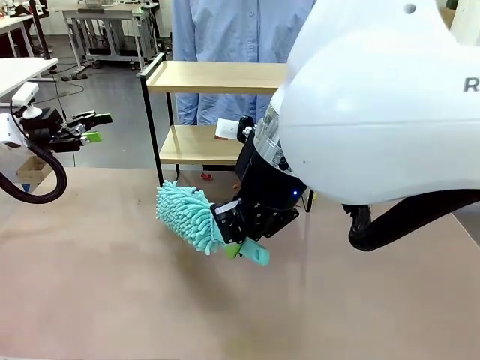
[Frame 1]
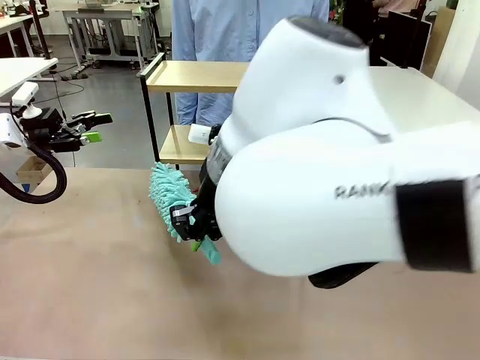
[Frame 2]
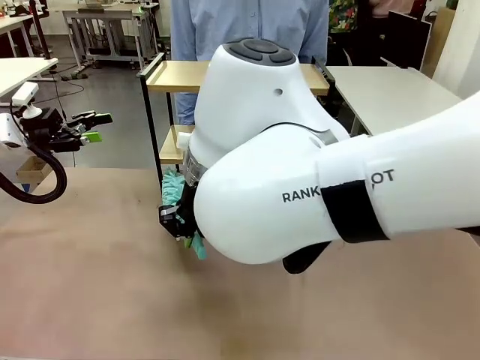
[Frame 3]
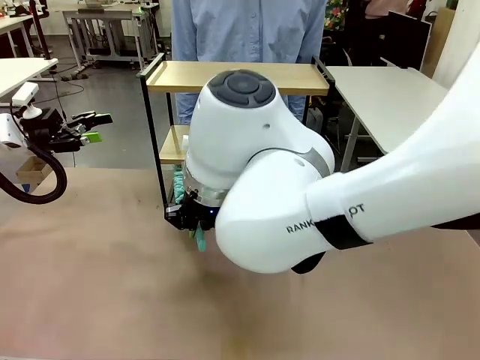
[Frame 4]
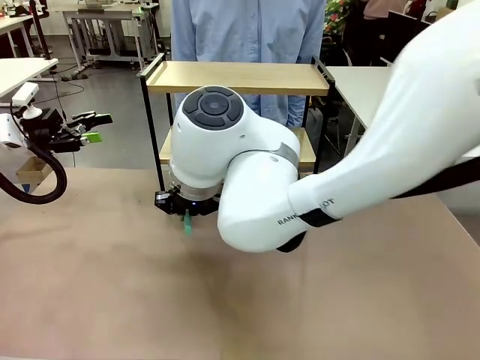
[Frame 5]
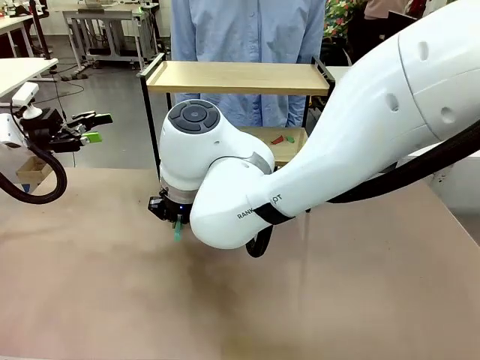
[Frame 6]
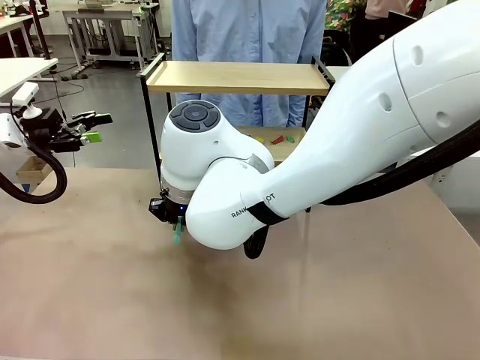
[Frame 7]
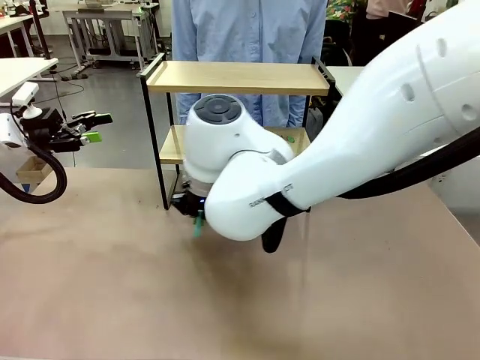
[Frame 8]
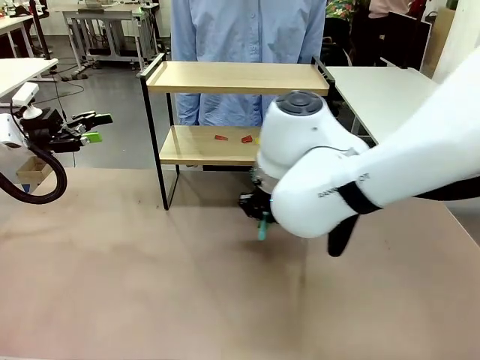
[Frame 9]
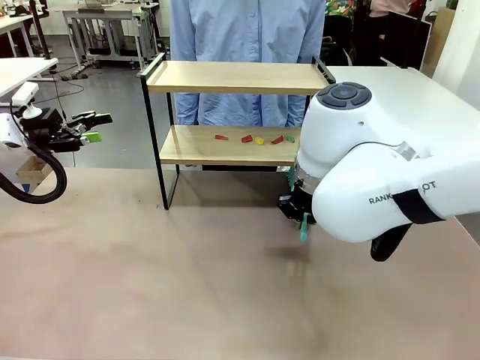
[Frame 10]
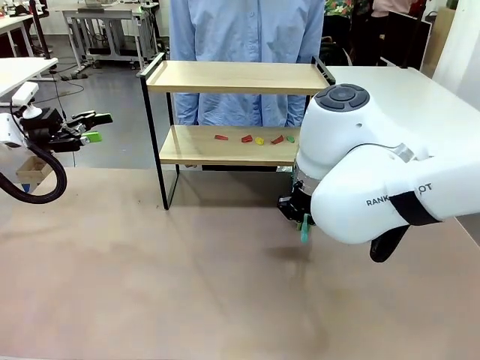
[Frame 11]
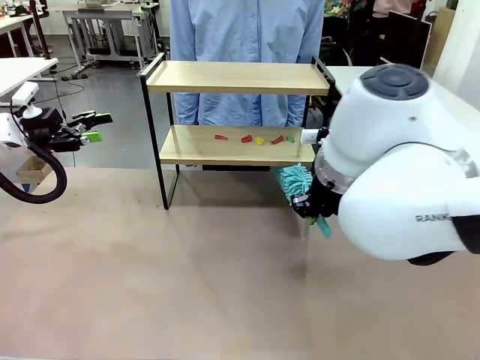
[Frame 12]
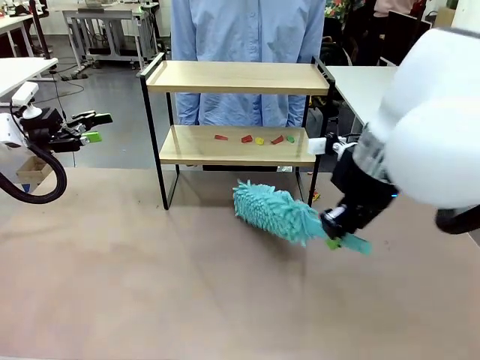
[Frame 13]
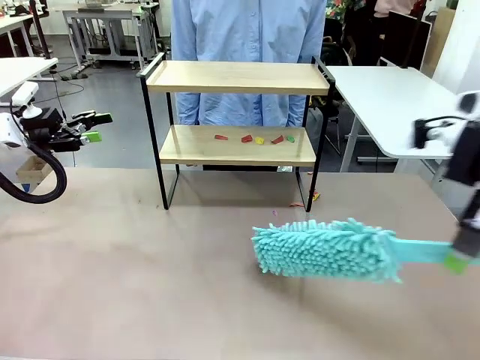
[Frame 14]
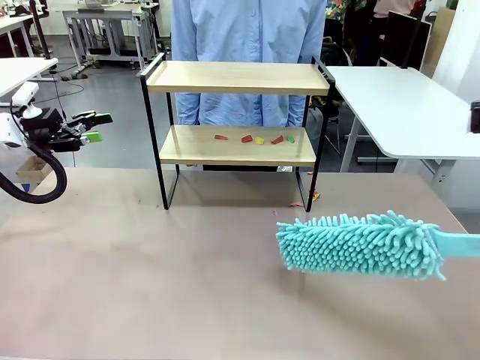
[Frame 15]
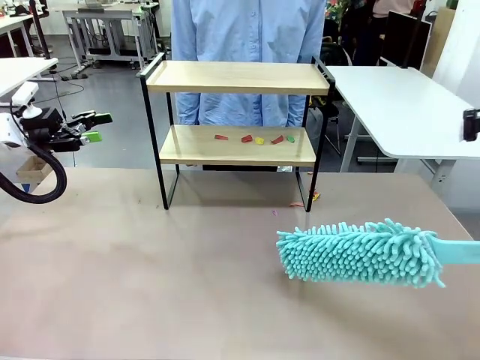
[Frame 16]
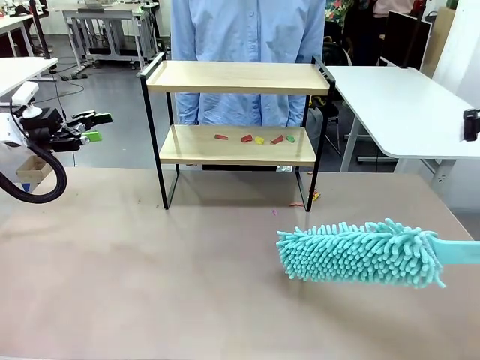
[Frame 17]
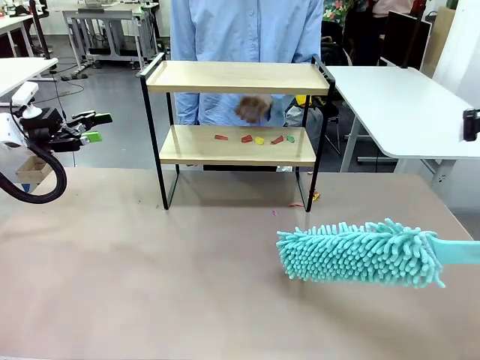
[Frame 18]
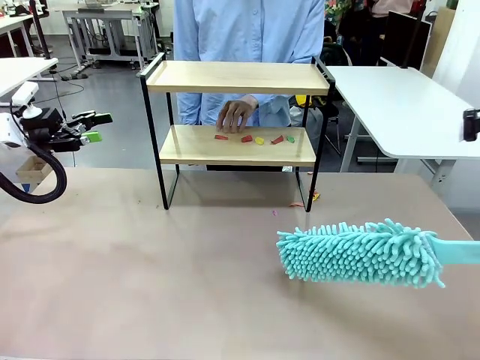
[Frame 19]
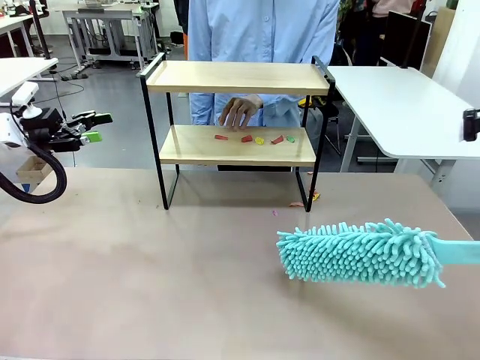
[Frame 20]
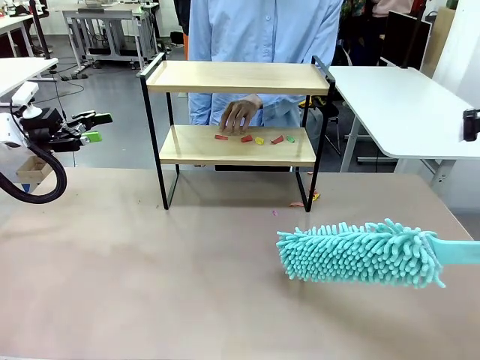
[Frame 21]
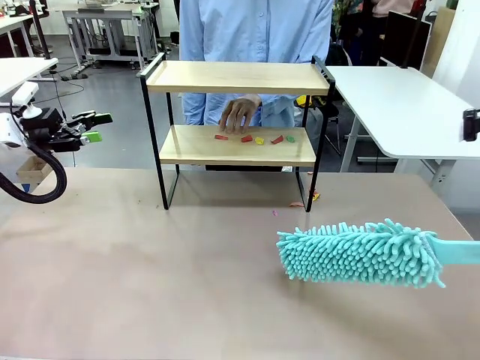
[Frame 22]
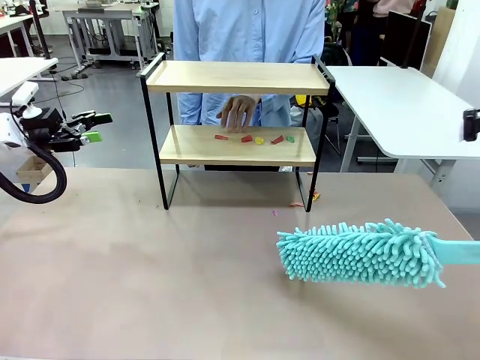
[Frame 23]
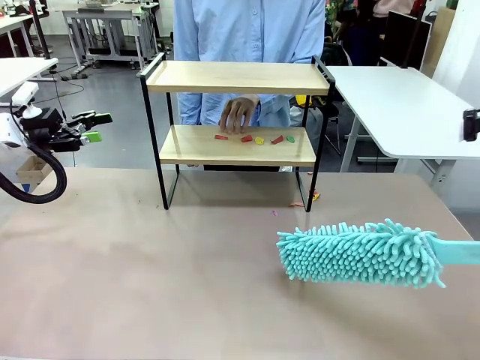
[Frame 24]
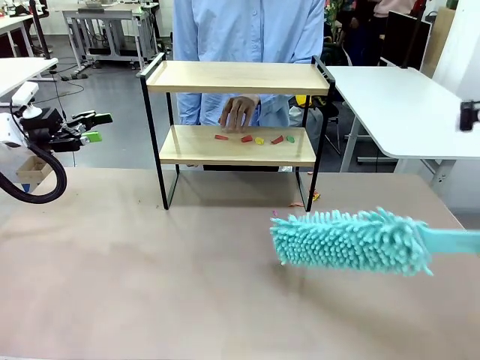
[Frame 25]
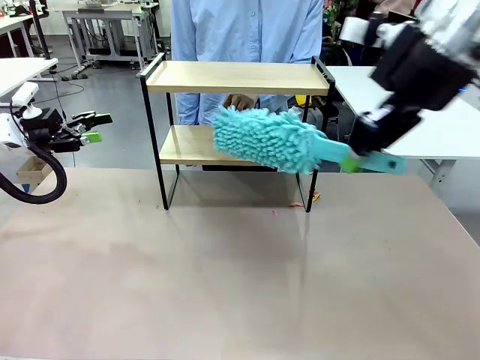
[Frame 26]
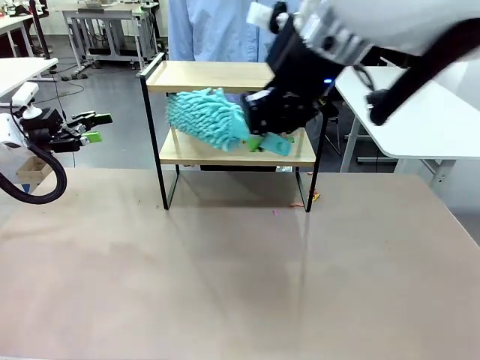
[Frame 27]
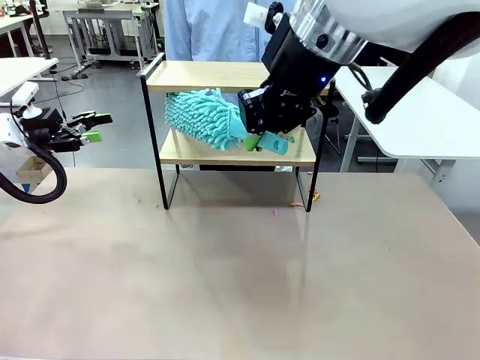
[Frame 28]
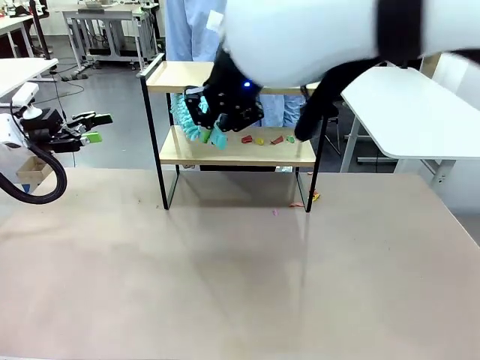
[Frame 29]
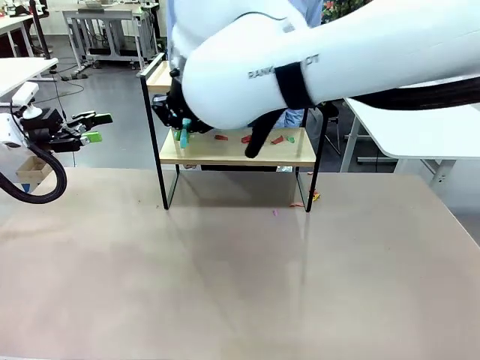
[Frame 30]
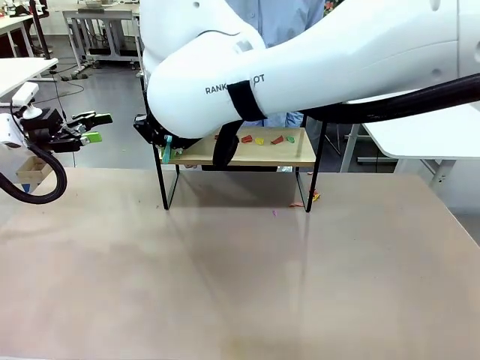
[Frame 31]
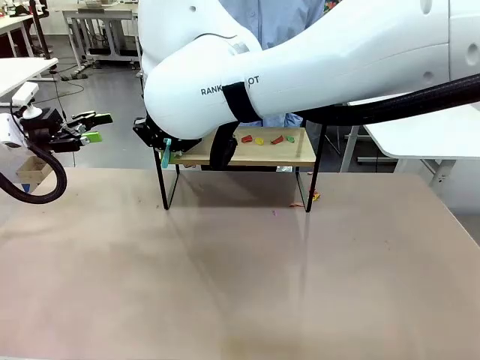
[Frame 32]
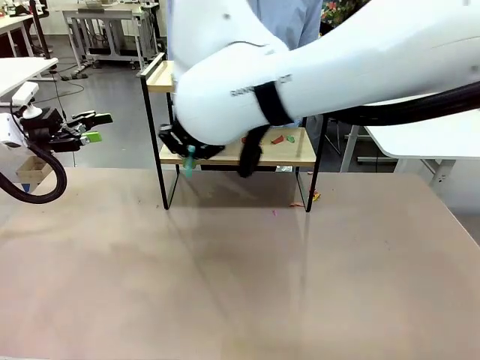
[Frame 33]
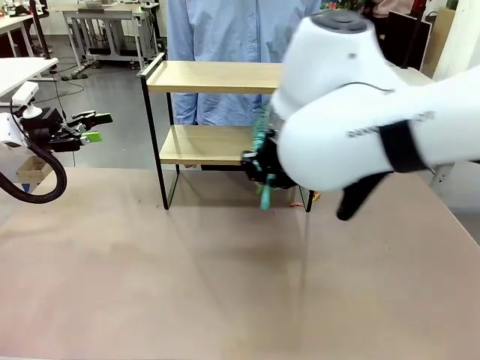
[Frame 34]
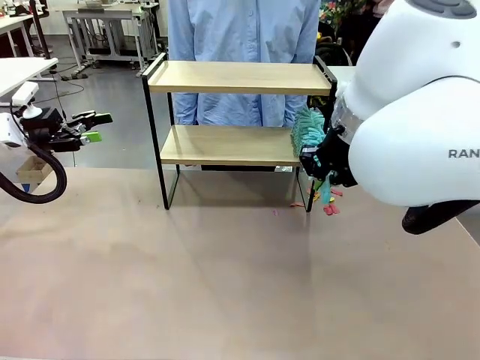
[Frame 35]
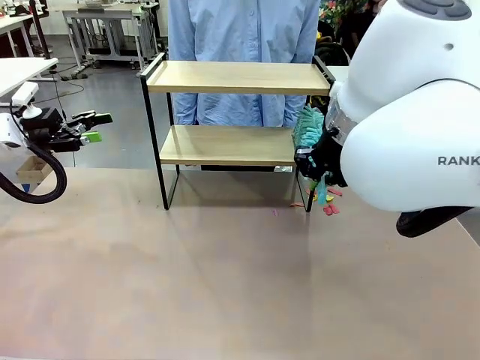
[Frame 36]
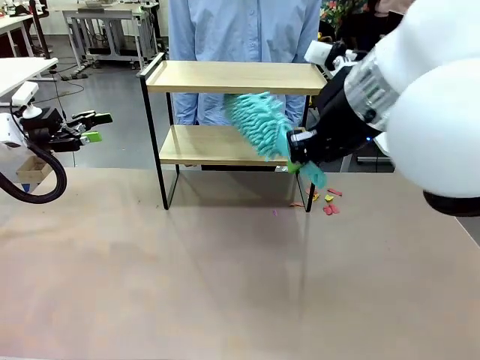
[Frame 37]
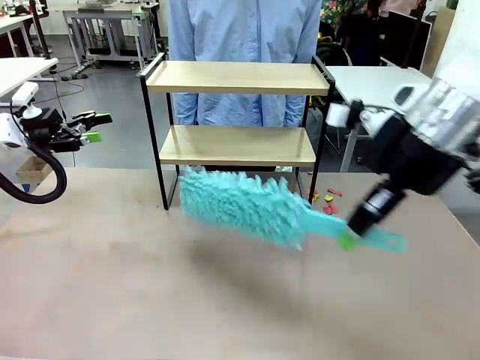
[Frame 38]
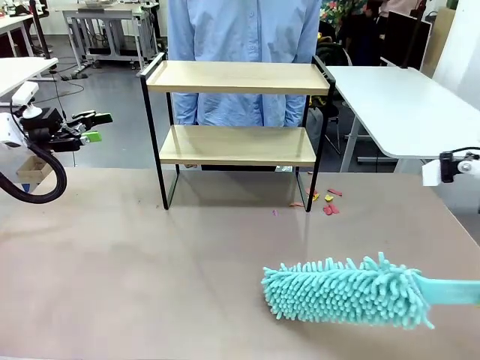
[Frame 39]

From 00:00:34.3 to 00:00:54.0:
Task: Clean the shelf.
Robot: Clean the specific section of the Shelf indicated by the human with the Duster.
Person: Point a remaining section of the Shelf.

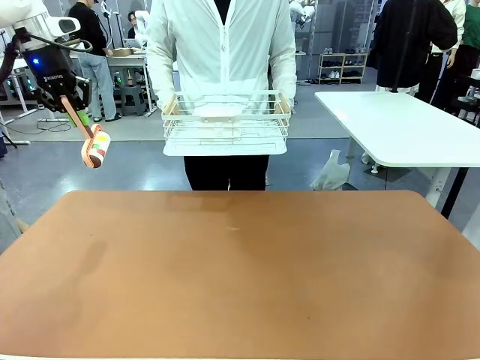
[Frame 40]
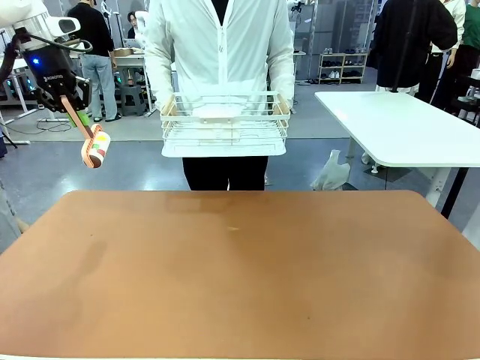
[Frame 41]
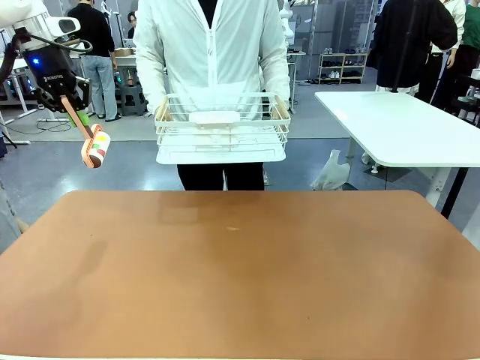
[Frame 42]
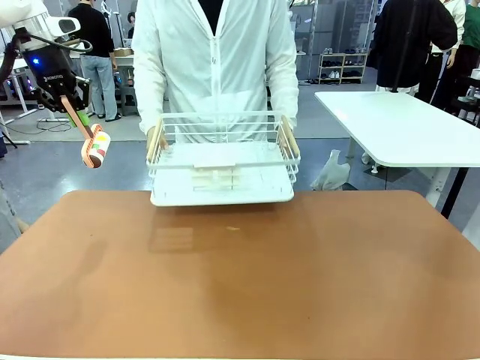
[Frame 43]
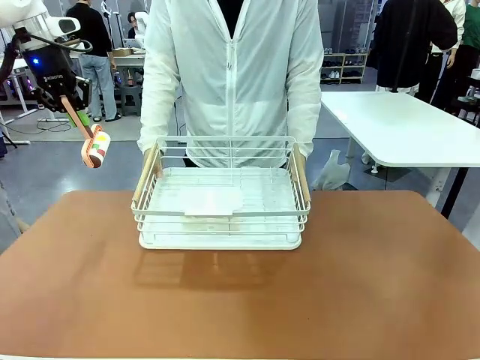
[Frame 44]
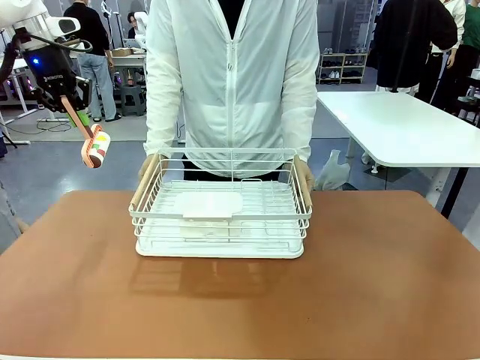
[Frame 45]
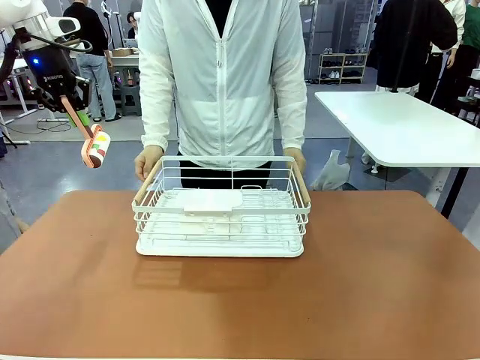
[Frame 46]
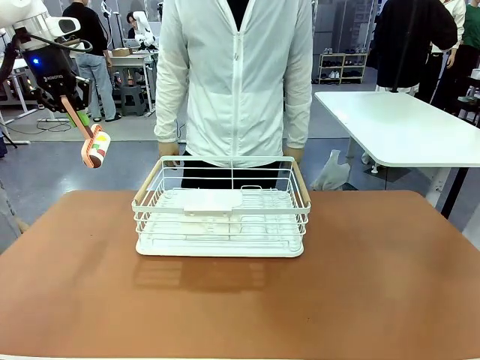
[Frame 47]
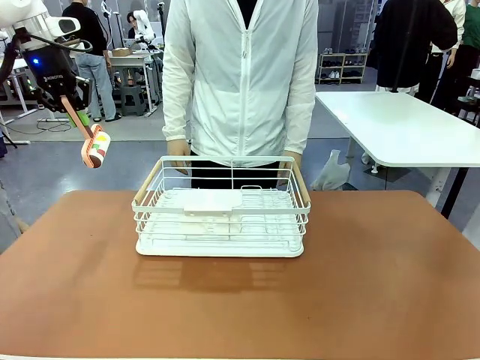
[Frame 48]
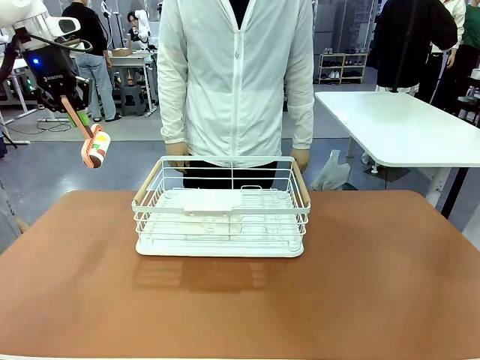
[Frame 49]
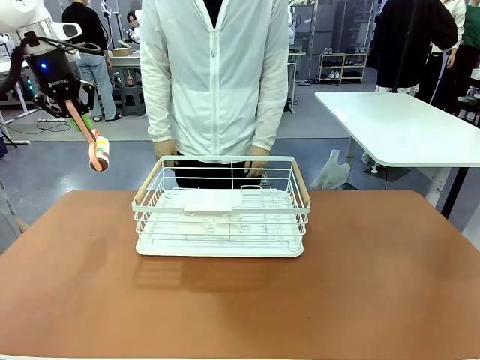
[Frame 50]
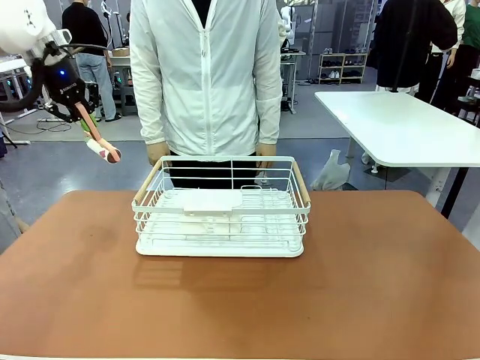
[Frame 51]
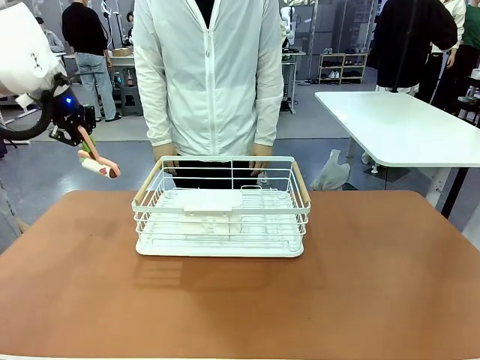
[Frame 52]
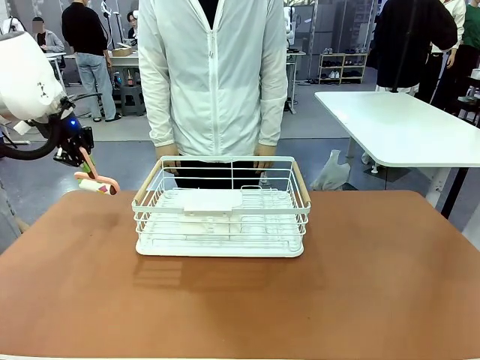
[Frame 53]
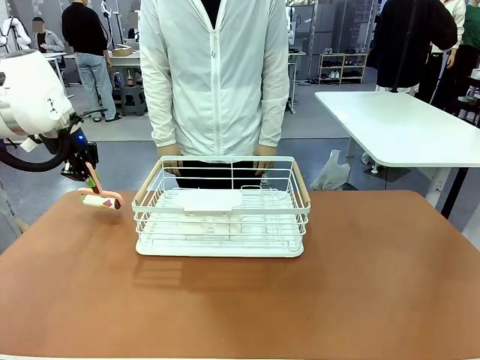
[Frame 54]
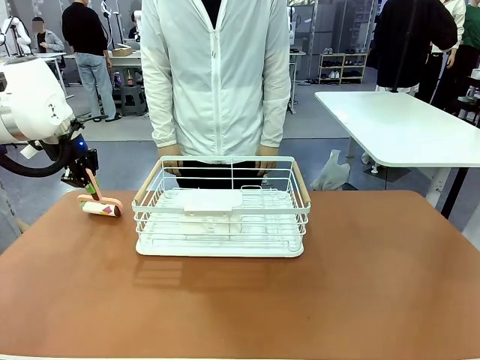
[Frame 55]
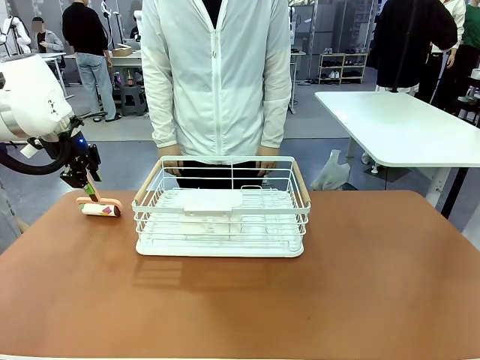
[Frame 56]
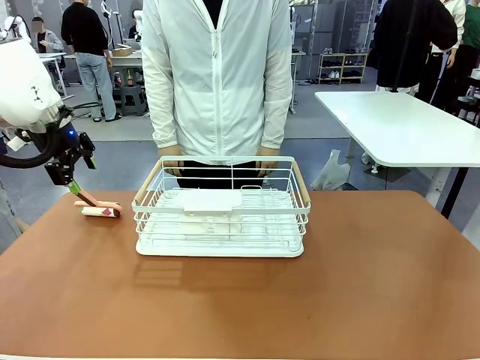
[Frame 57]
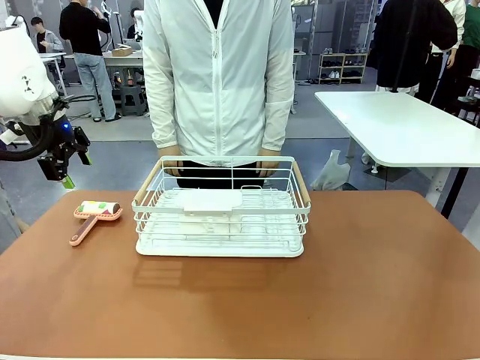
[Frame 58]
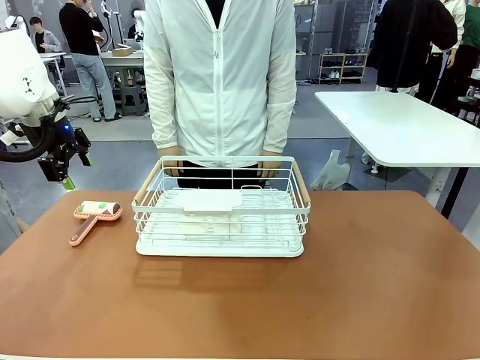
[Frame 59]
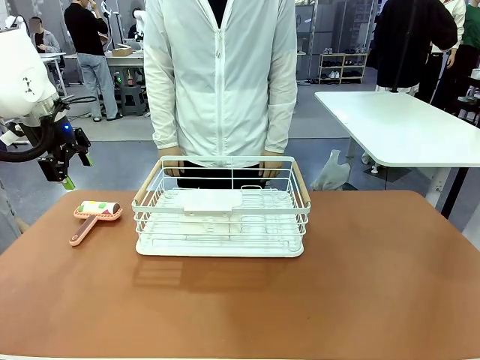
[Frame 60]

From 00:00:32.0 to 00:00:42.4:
Task: Clean the table.
Robot: Place the Lint Roller down when the Dish drying rack is positioned in the middle of the table.
